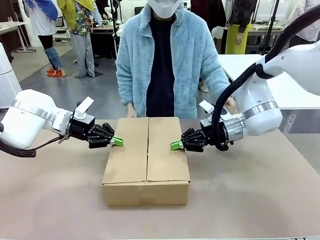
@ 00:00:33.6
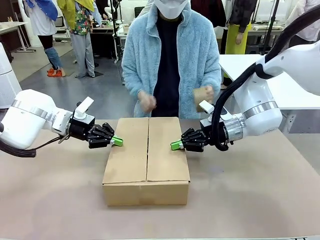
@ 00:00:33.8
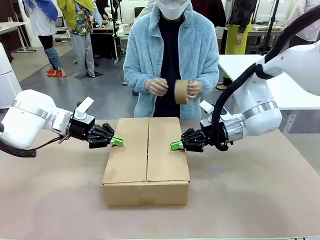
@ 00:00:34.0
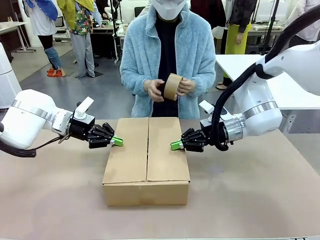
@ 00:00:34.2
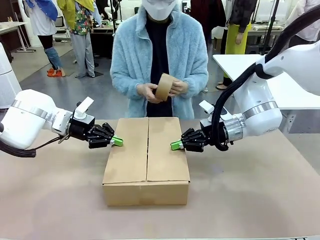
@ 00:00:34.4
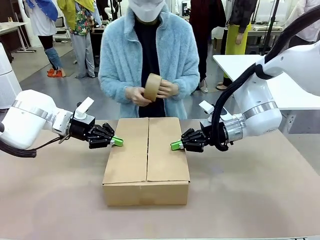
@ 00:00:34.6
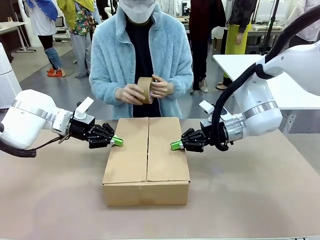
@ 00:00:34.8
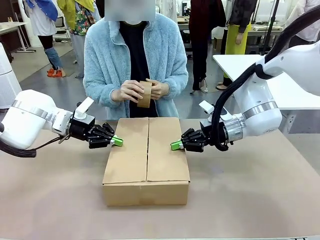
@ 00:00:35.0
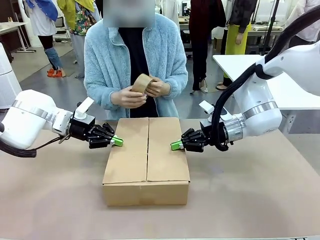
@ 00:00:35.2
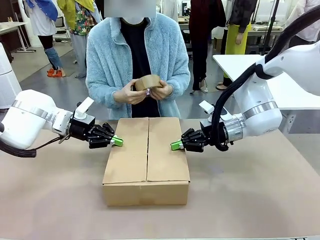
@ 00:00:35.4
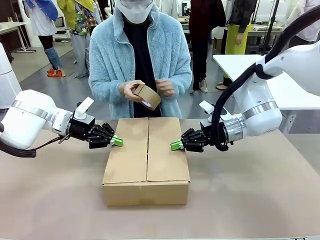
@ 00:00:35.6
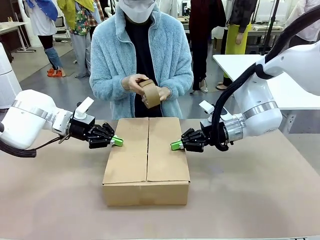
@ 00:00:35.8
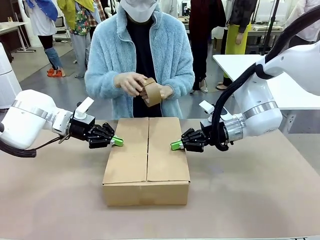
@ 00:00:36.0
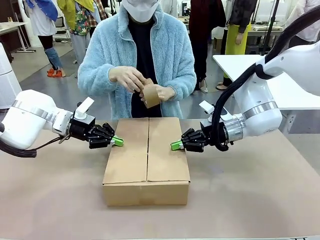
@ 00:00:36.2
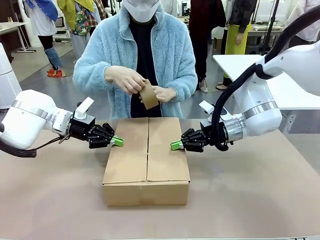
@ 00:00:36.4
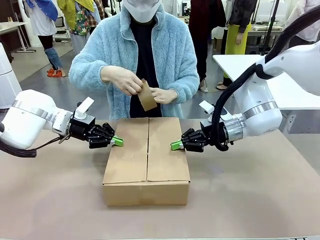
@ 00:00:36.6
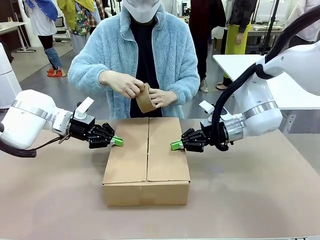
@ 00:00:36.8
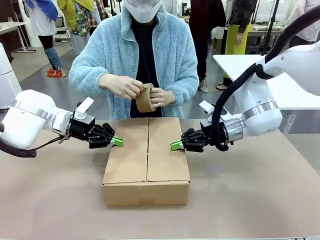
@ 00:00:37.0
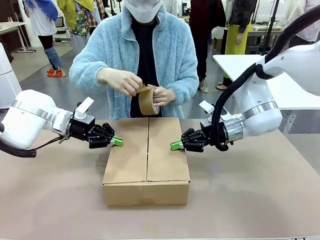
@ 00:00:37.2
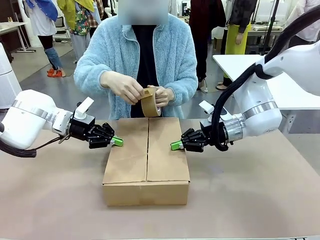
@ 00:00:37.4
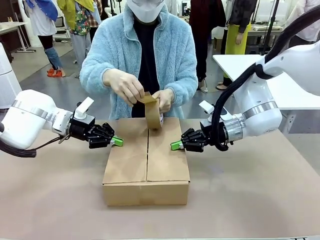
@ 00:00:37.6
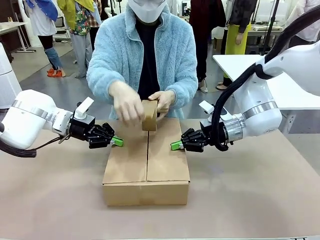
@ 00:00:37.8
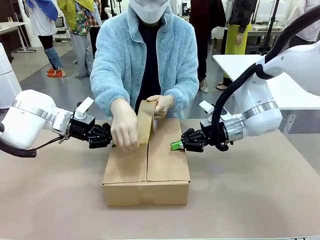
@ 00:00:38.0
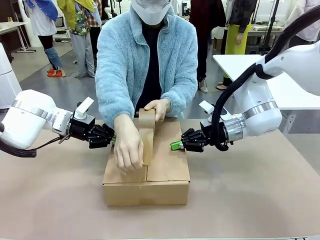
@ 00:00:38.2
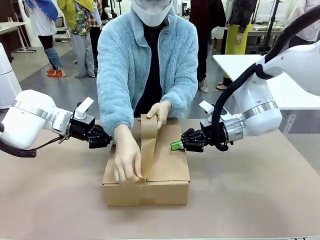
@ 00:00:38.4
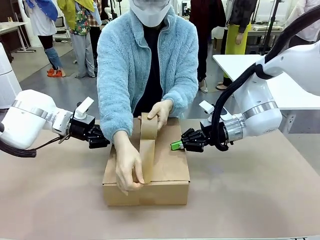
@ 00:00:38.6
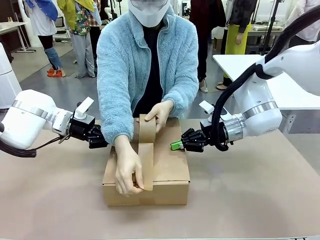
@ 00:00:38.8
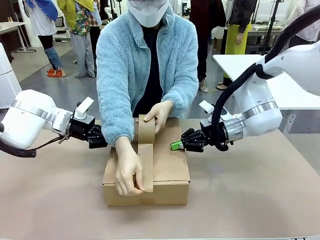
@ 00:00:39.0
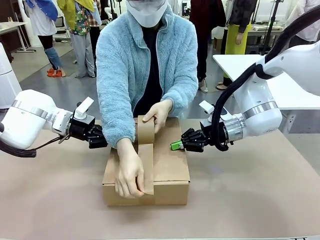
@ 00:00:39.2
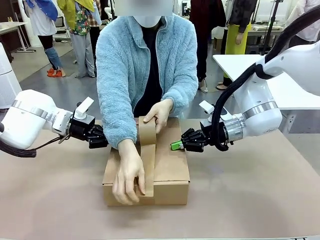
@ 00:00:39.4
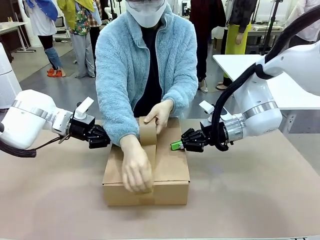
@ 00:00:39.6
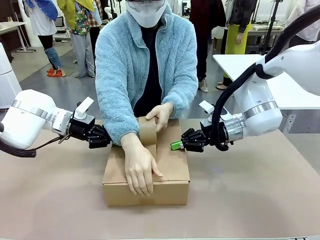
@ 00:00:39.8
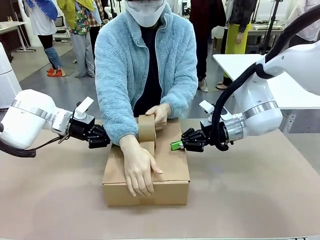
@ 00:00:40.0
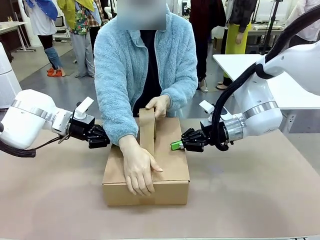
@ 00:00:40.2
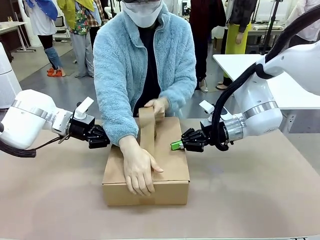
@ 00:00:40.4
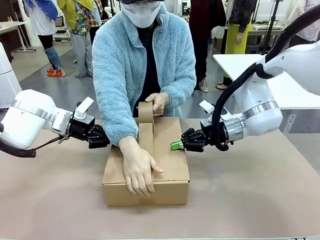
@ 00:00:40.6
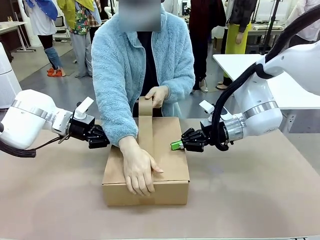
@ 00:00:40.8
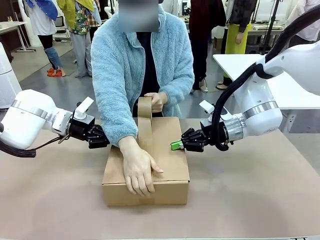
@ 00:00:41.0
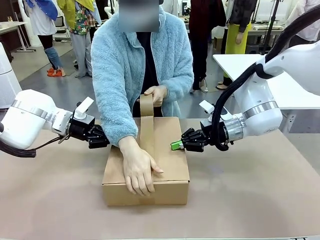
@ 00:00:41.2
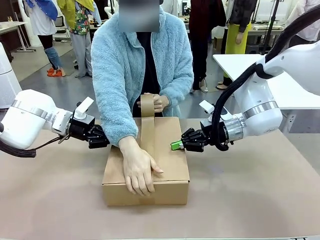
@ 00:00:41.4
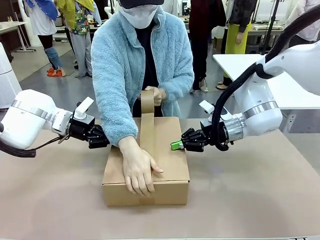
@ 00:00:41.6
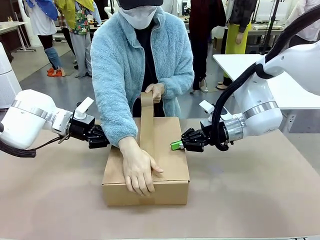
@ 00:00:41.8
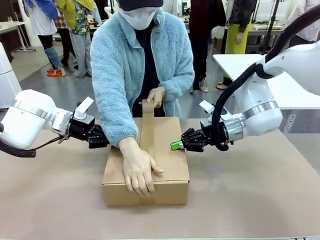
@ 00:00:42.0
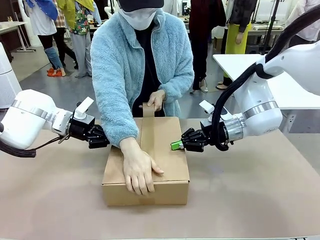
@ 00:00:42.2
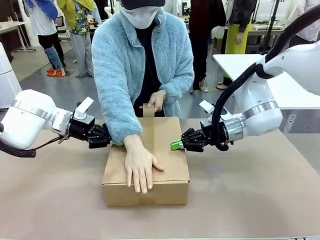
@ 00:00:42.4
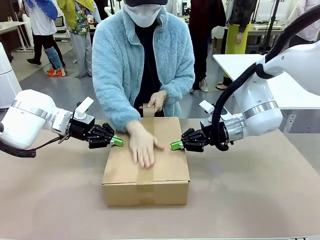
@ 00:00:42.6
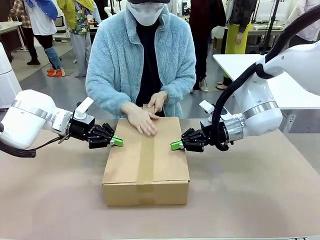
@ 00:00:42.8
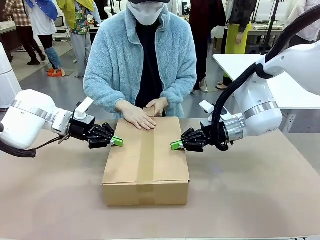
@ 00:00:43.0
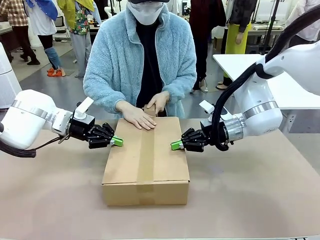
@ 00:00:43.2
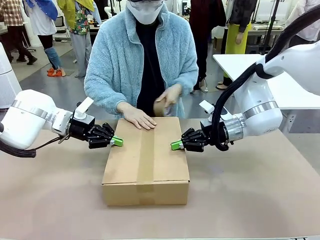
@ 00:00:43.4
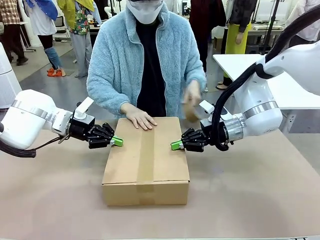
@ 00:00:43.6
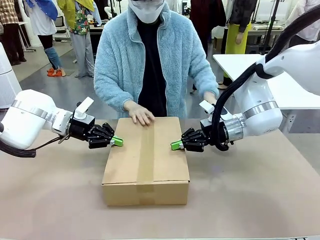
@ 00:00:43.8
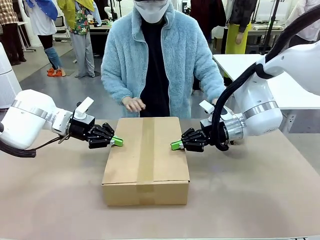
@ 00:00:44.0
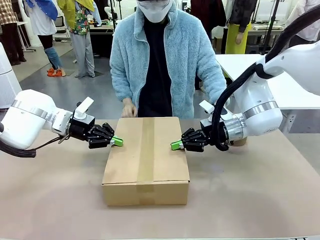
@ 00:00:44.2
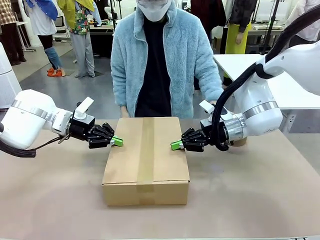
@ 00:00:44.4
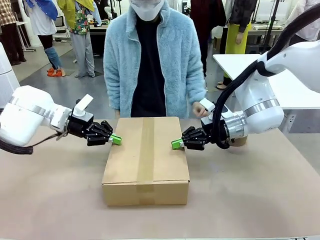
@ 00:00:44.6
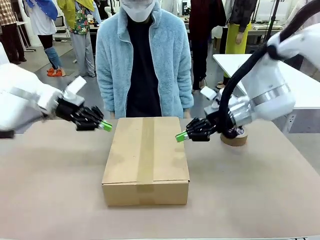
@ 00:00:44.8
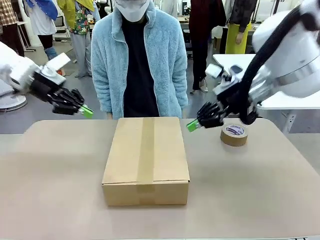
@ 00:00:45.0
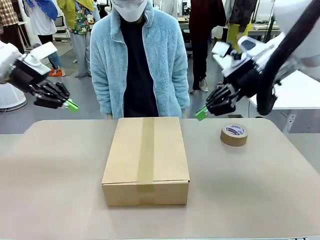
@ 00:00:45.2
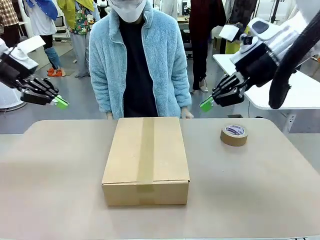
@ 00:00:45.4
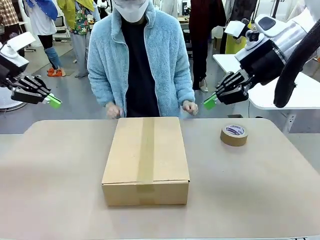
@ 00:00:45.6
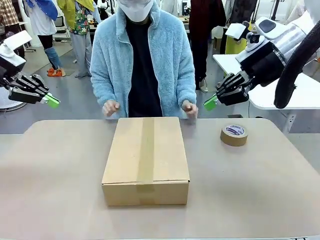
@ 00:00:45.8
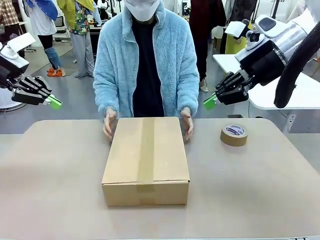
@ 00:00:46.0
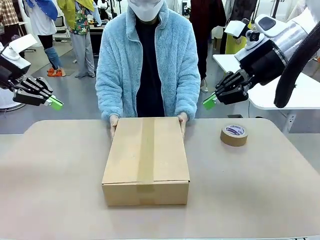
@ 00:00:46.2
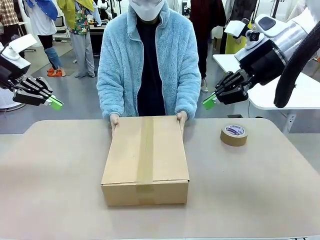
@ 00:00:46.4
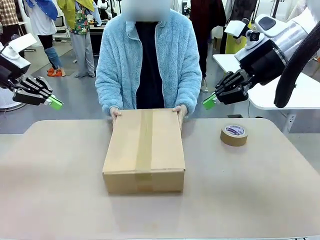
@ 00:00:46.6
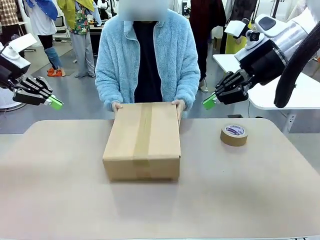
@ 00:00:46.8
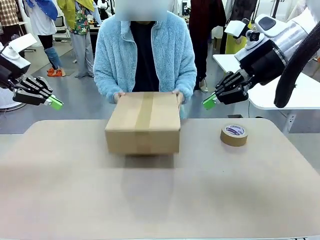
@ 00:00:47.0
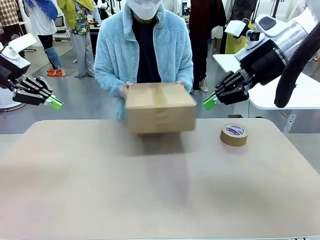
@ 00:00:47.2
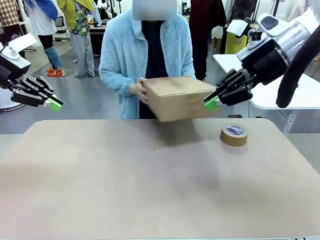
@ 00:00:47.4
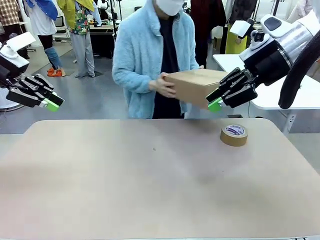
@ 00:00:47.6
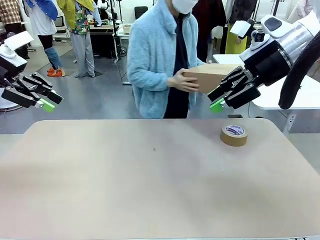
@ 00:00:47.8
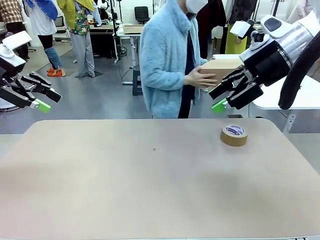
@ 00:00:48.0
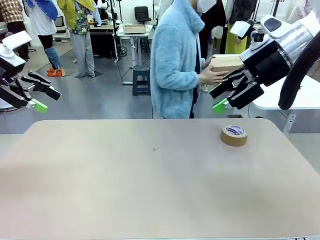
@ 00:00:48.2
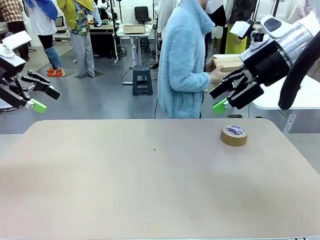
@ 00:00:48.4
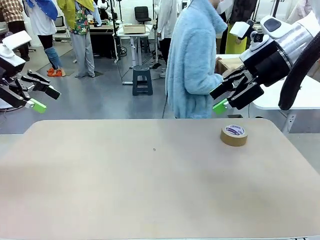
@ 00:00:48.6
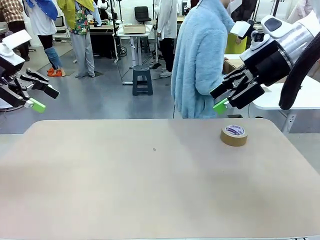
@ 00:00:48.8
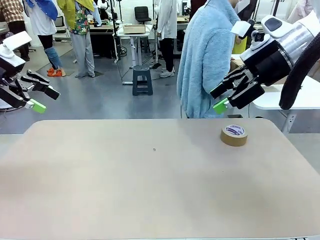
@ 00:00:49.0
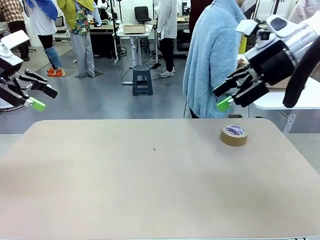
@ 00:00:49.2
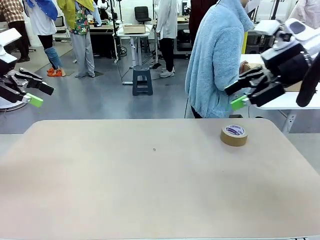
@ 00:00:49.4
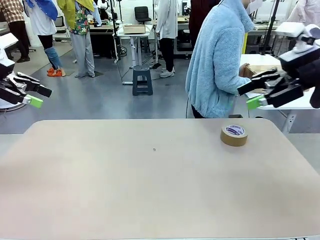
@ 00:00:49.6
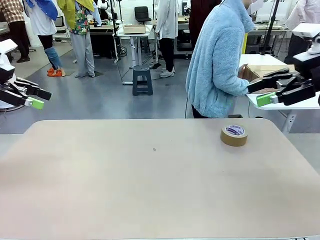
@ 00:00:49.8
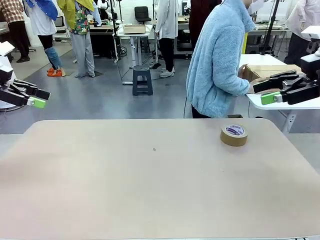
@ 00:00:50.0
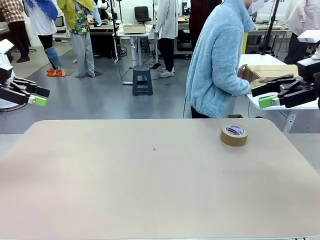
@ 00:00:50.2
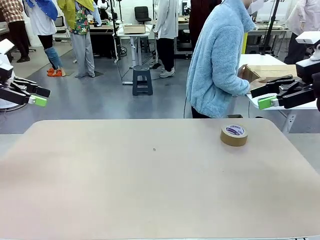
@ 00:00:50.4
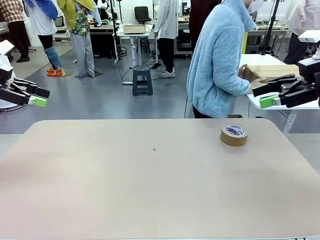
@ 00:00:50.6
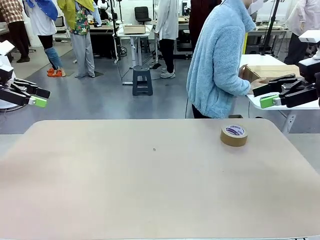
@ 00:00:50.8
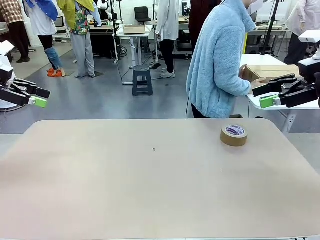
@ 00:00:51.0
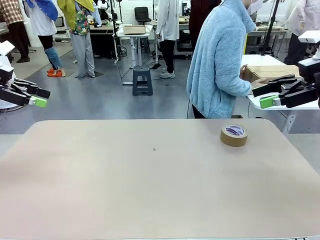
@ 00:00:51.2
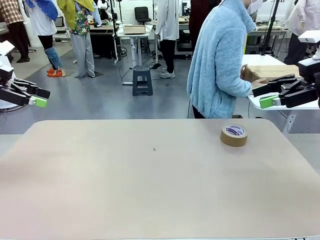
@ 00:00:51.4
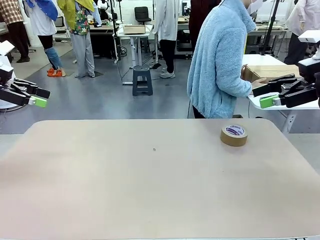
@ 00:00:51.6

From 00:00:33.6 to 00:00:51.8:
Task: Wrap the clocks to prevent damage.
Robot: After the human seals the box with tape, release both hands from the side flaps of the Package Box.
Person: Once the robot closes the left flap of the Package Box , seal the box with Paper Tape. Place sealed Package Box in the middle of the human's table.
